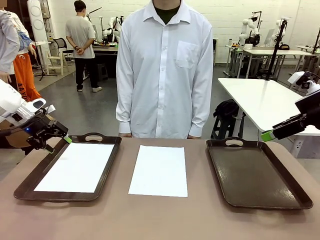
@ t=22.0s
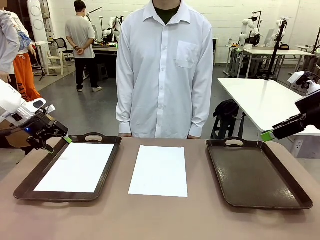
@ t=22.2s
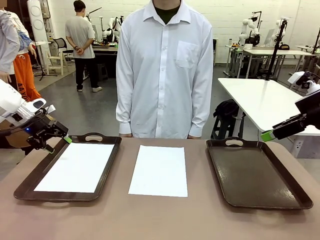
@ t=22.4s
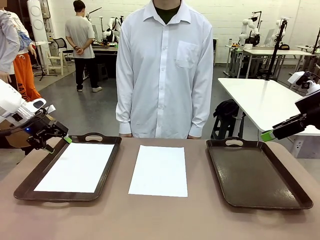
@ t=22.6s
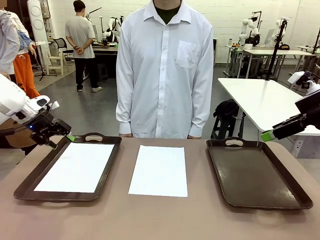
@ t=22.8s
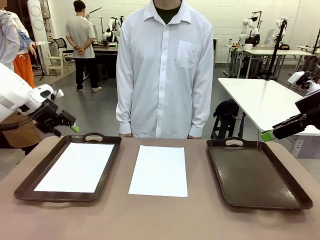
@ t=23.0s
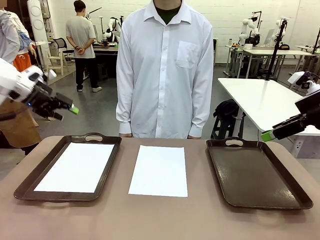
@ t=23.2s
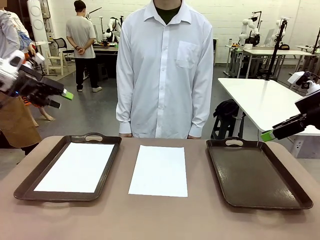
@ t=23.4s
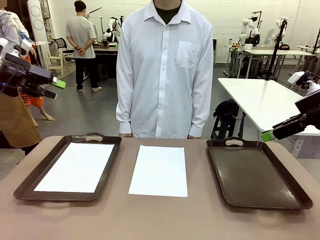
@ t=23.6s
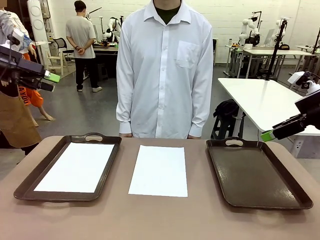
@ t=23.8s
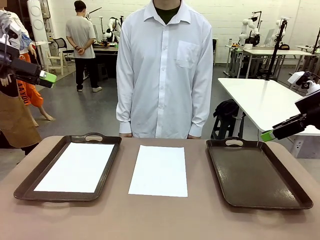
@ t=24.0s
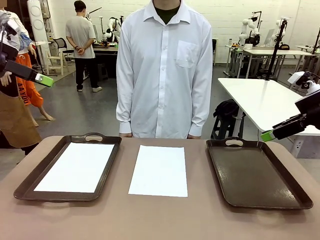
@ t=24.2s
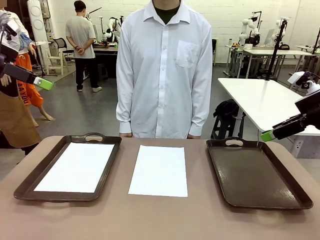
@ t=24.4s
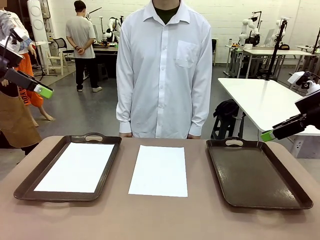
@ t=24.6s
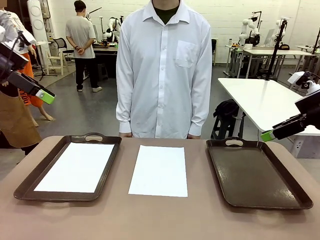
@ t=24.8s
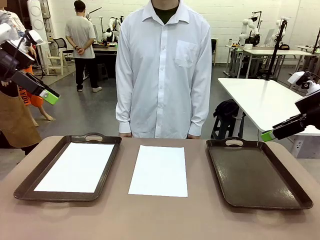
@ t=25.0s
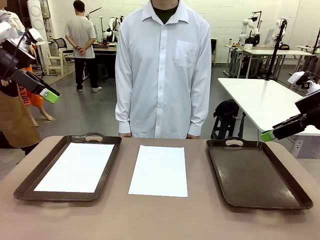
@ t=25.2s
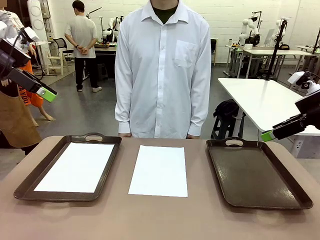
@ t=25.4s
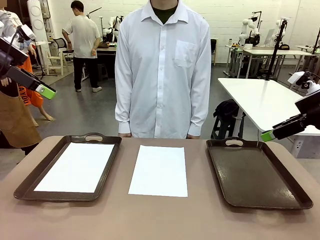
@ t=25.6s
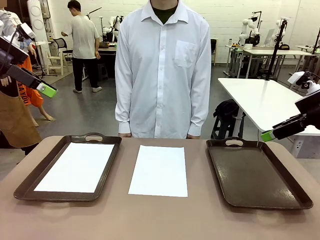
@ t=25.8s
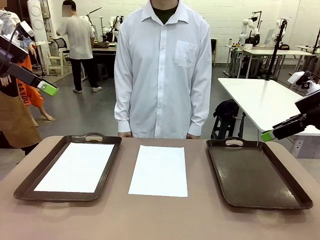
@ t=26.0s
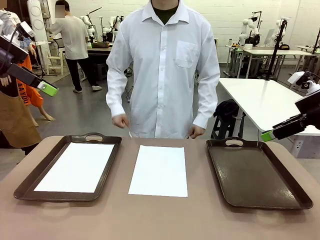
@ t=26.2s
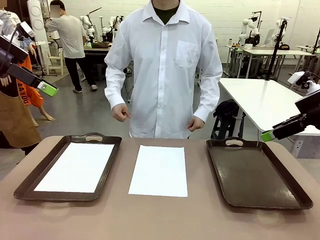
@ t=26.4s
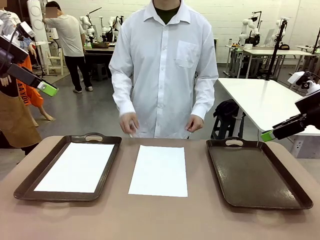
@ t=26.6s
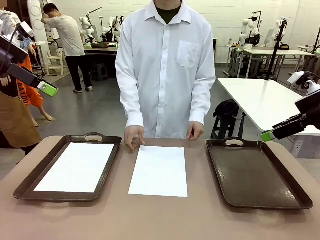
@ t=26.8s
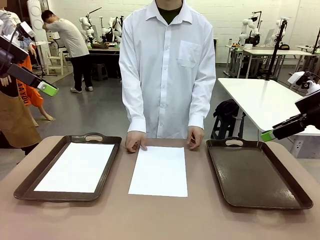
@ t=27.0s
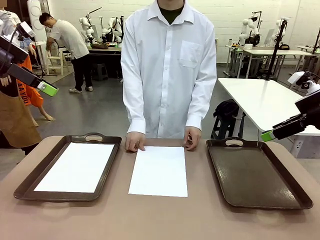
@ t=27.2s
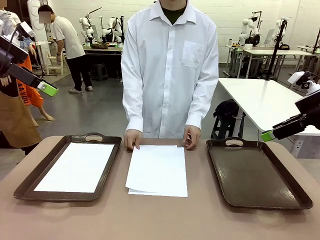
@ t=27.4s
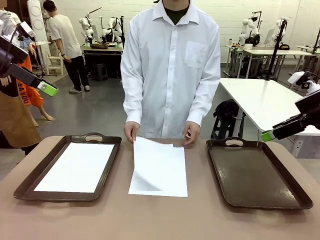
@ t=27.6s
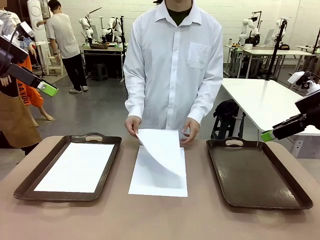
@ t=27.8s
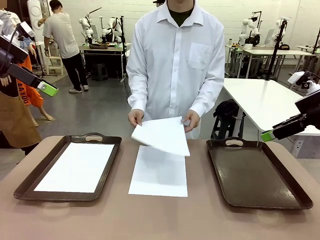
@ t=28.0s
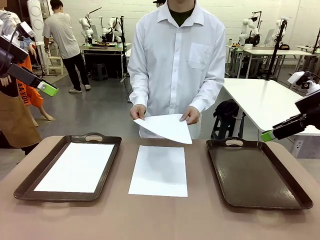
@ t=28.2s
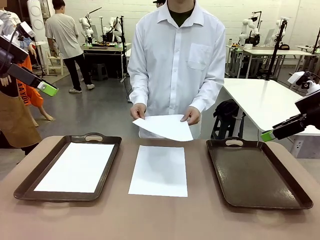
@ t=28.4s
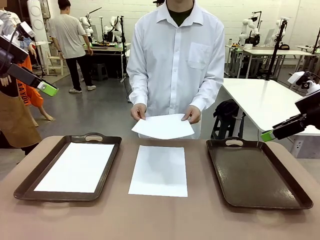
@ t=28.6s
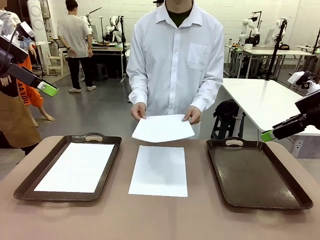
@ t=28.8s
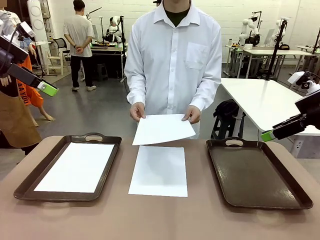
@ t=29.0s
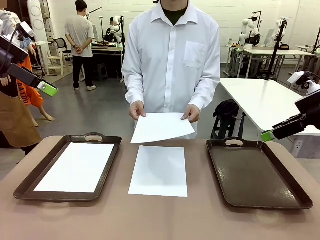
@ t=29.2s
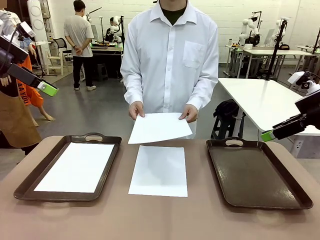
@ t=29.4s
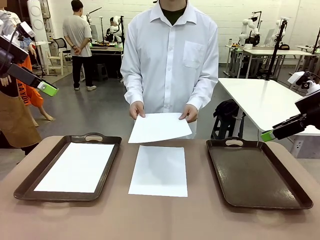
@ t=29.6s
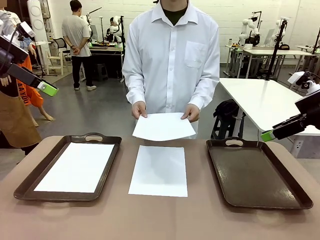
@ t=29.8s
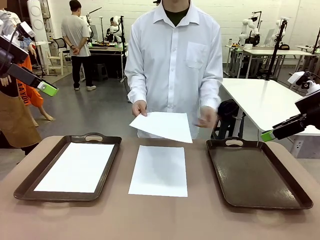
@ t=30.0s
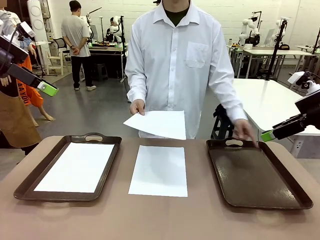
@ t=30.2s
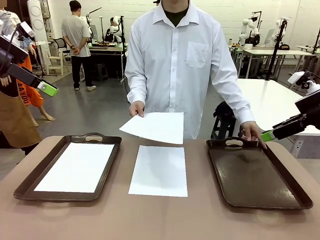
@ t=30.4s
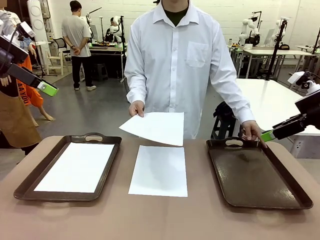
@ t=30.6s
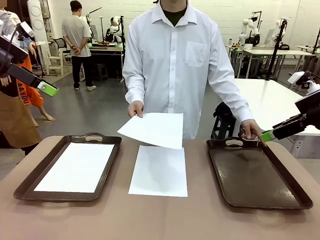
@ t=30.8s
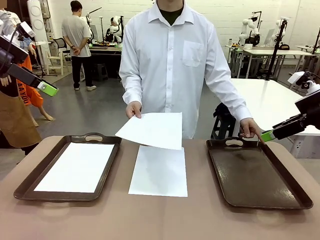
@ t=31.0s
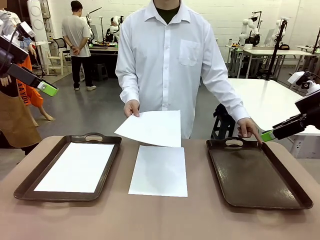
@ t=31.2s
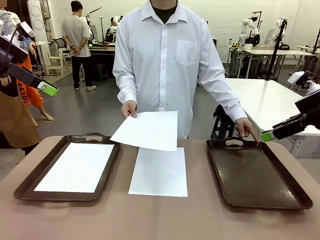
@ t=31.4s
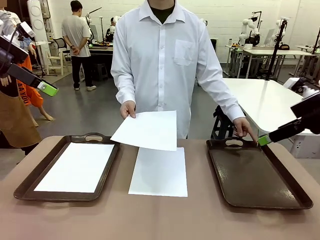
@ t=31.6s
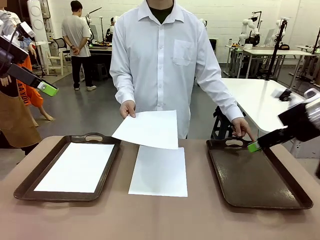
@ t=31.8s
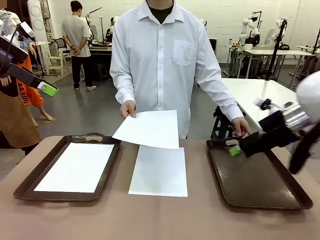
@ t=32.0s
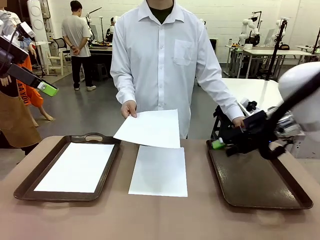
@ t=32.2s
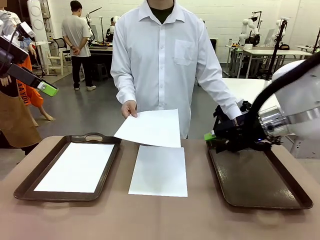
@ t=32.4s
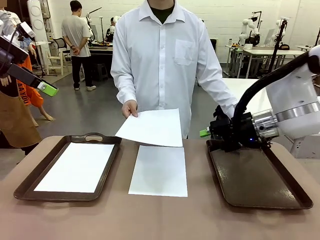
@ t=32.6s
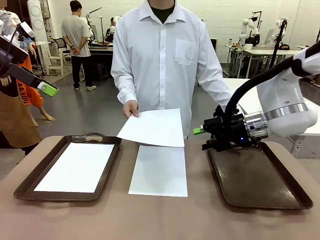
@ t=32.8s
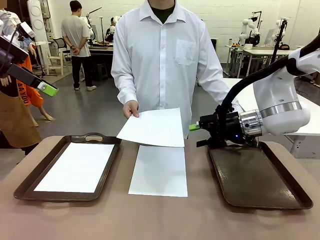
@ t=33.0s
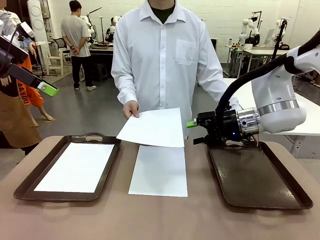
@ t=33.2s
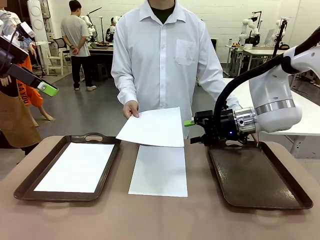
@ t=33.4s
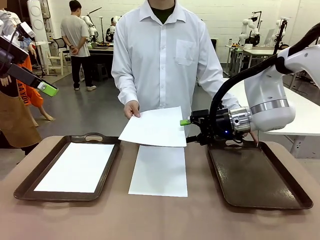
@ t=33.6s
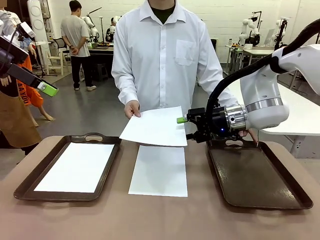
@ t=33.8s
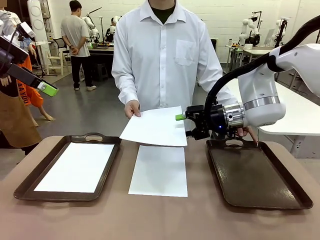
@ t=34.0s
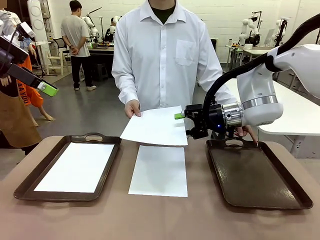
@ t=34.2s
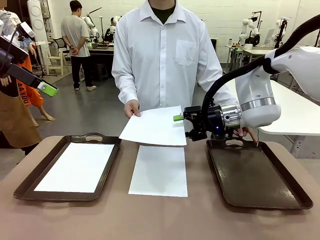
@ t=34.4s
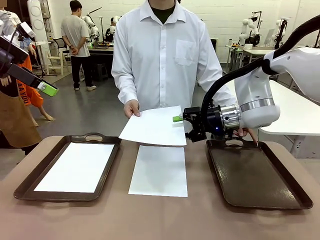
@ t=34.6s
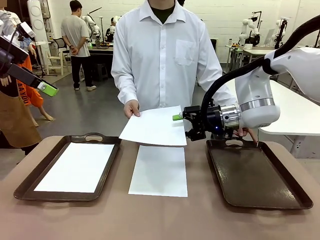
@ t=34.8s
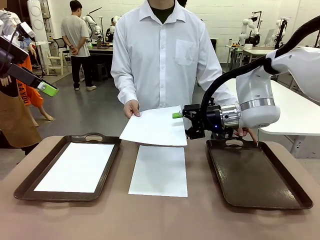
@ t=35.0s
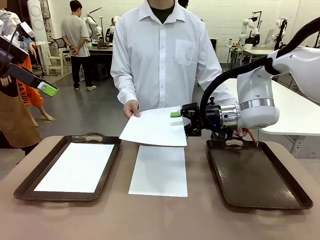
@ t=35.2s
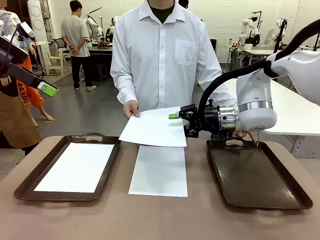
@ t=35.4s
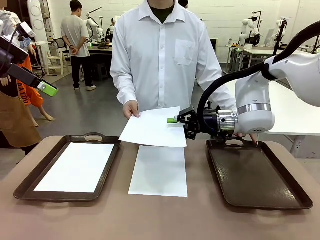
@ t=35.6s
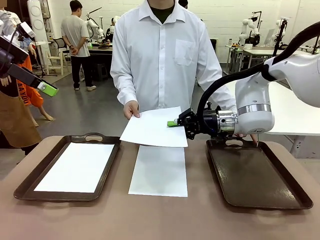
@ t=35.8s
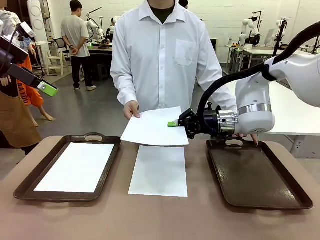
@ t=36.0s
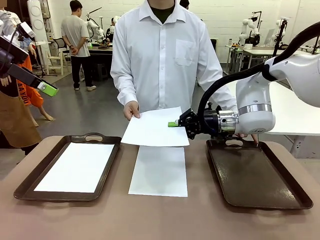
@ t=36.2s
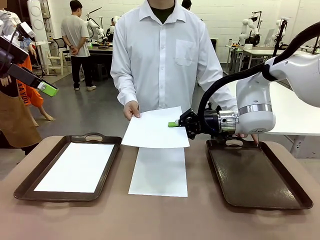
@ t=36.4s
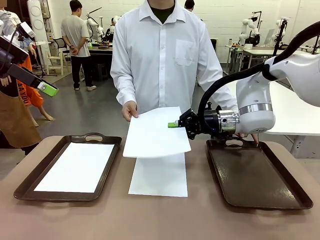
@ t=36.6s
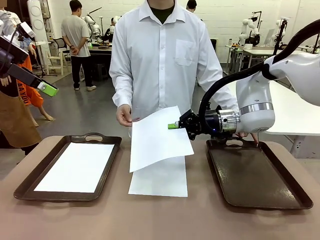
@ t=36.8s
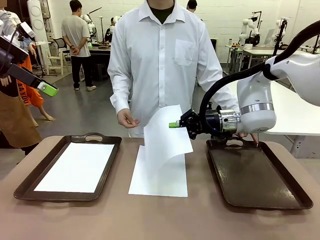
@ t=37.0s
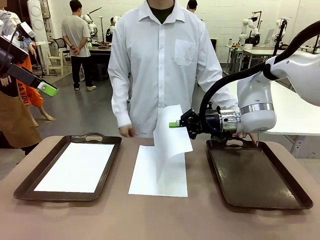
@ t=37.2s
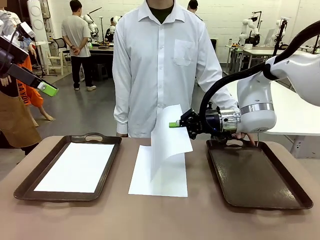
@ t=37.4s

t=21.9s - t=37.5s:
Task: Sort the A4 documents.
Robot: Receive the A4 Paper.
Person: Point the randomly selected tray with the other hand.

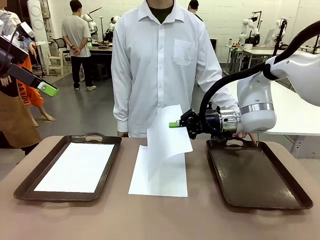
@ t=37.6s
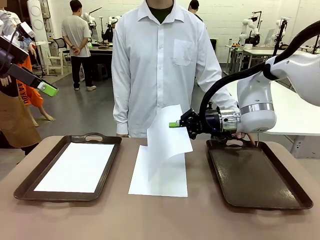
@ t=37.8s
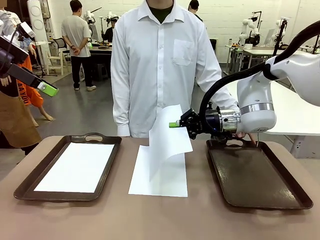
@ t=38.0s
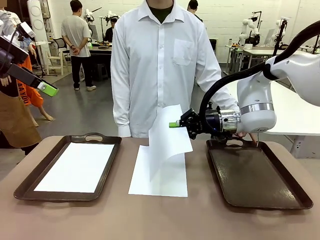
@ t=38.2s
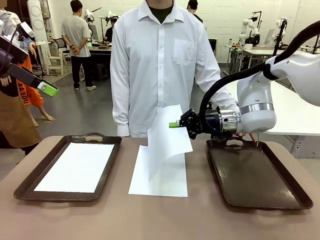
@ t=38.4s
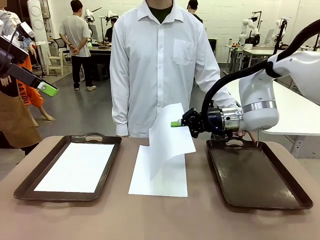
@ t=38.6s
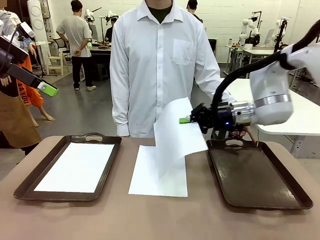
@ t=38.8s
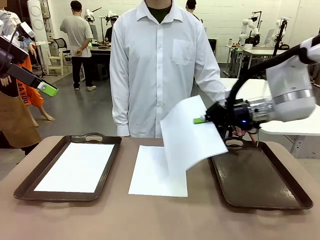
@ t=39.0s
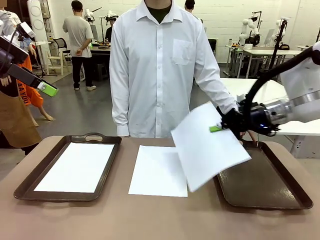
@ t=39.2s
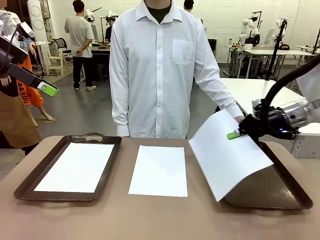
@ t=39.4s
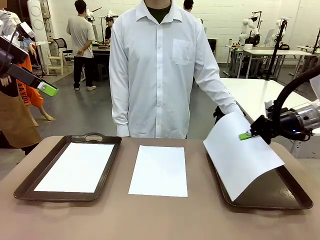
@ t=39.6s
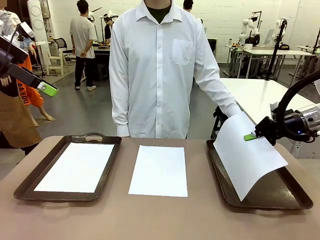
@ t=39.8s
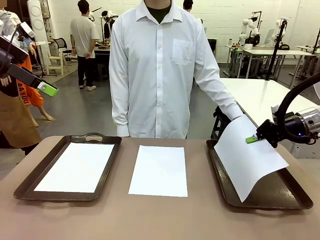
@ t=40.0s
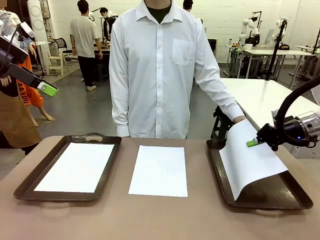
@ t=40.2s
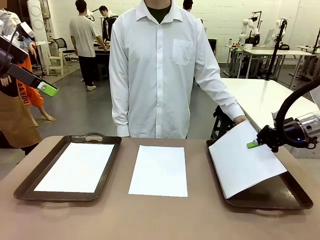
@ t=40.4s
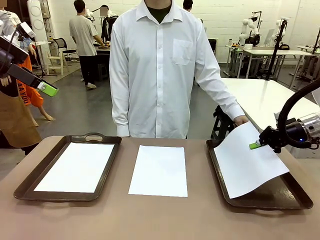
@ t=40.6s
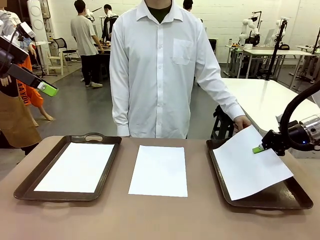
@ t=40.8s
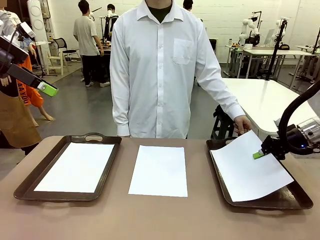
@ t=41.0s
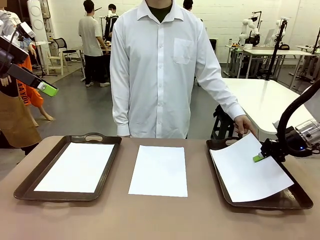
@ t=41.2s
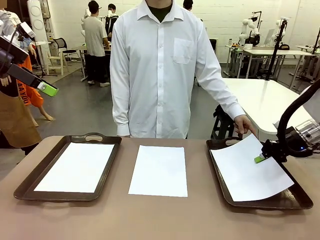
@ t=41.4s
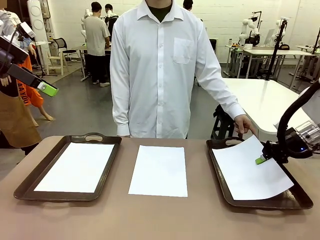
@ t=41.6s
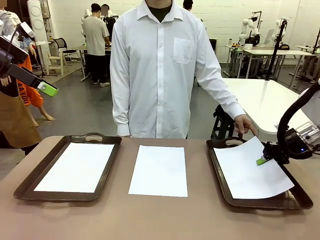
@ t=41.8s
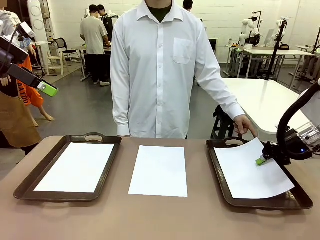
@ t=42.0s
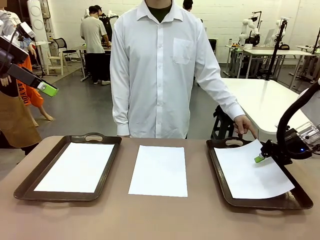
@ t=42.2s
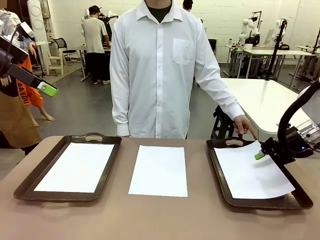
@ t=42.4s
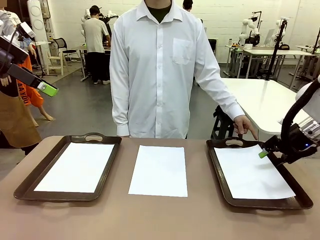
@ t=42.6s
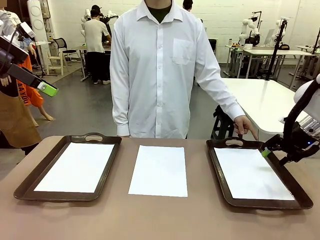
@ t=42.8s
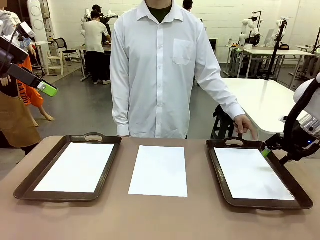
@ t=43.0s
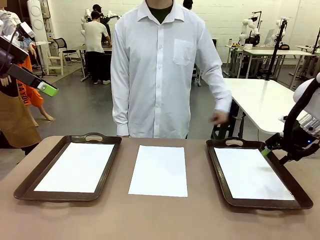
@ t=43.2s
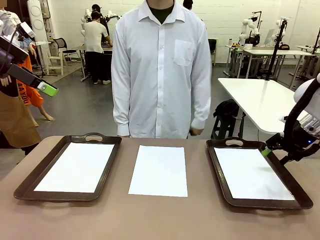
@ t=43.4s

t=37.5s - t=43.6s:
Robot: Place the A4 Paper in the designated Handle tray.
